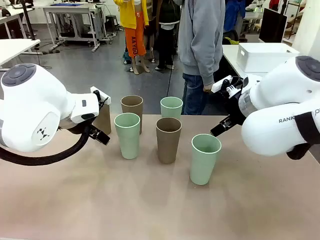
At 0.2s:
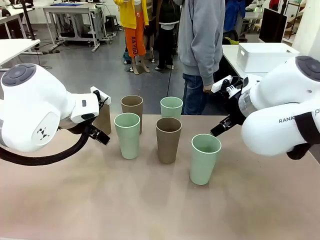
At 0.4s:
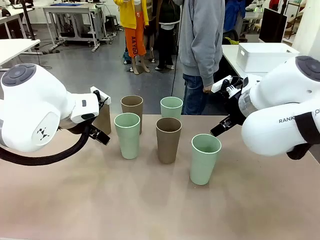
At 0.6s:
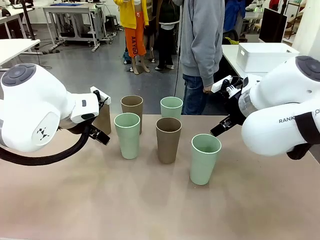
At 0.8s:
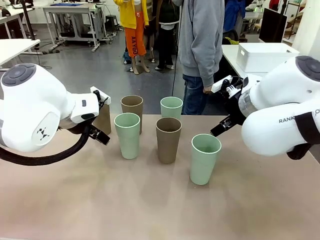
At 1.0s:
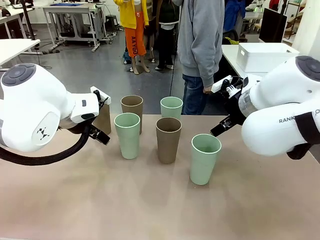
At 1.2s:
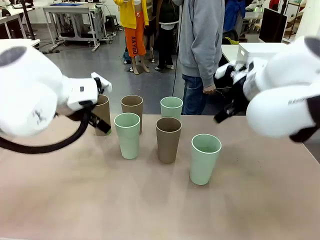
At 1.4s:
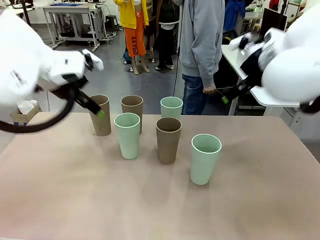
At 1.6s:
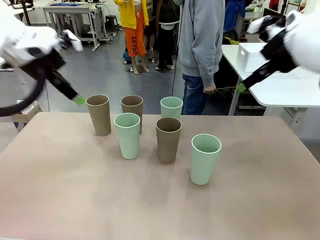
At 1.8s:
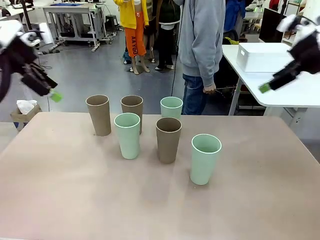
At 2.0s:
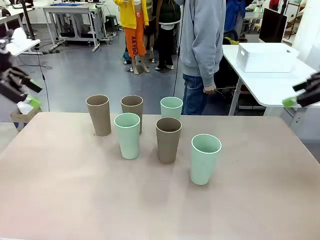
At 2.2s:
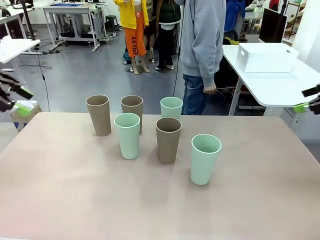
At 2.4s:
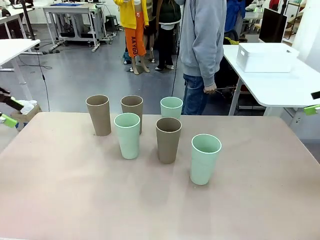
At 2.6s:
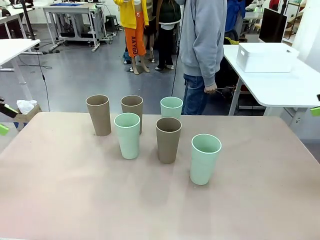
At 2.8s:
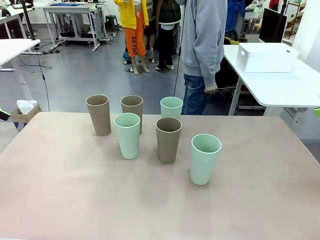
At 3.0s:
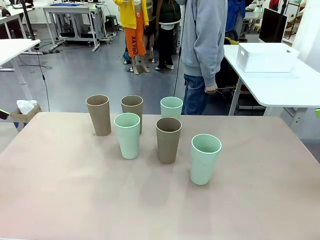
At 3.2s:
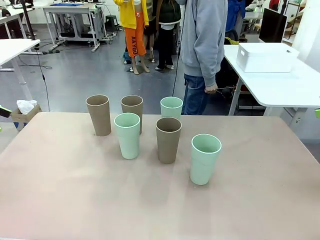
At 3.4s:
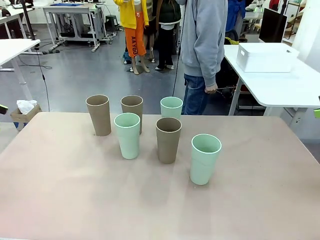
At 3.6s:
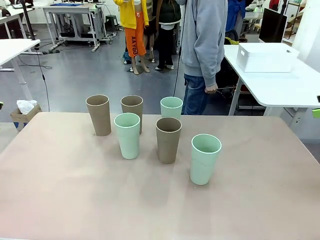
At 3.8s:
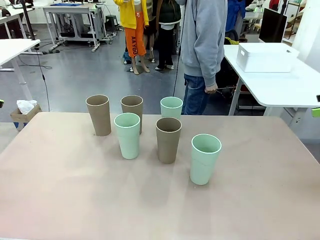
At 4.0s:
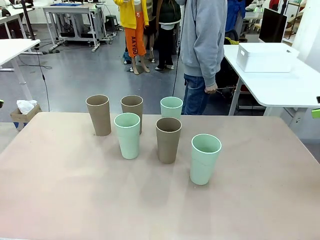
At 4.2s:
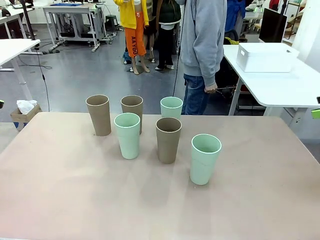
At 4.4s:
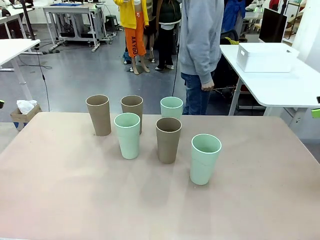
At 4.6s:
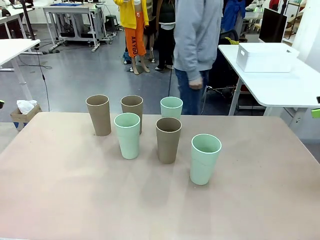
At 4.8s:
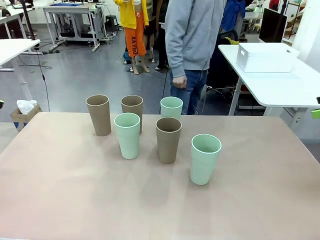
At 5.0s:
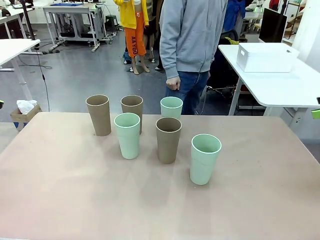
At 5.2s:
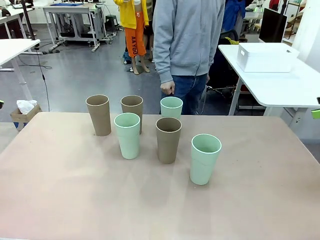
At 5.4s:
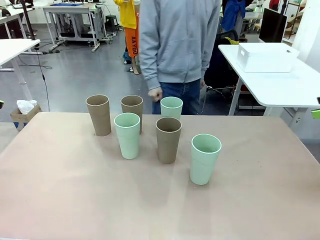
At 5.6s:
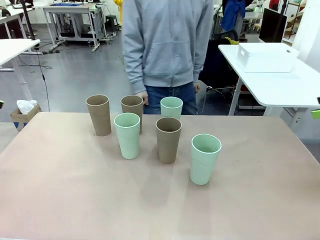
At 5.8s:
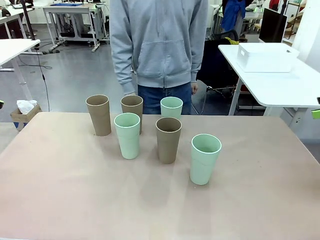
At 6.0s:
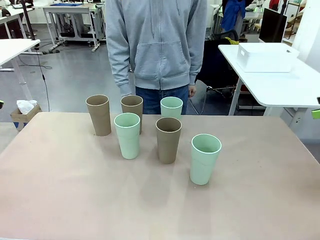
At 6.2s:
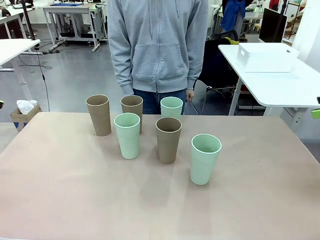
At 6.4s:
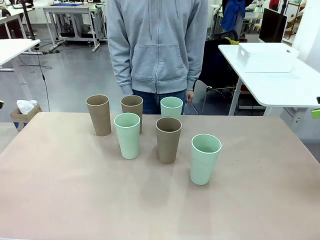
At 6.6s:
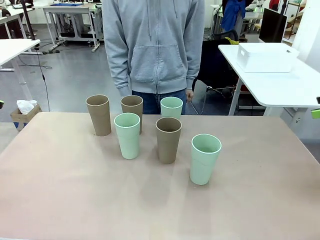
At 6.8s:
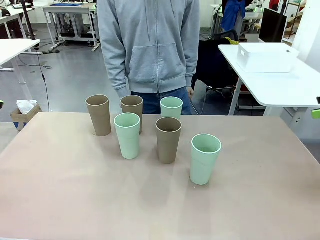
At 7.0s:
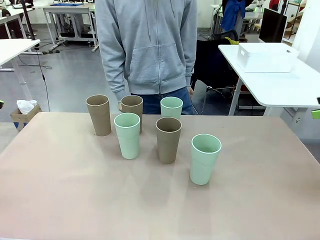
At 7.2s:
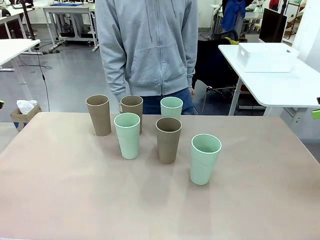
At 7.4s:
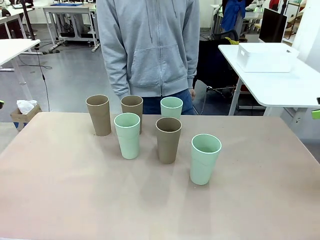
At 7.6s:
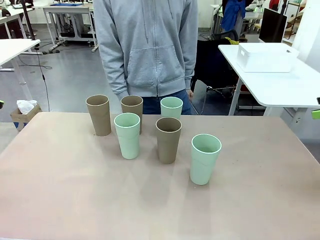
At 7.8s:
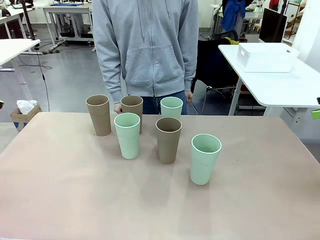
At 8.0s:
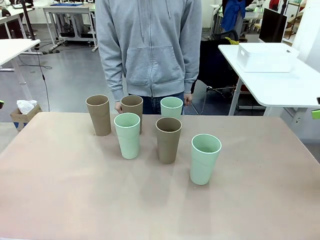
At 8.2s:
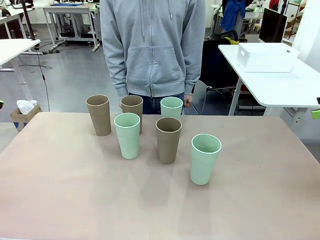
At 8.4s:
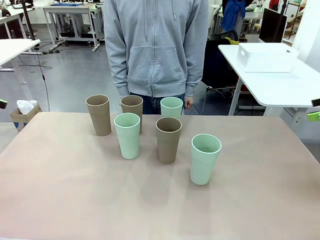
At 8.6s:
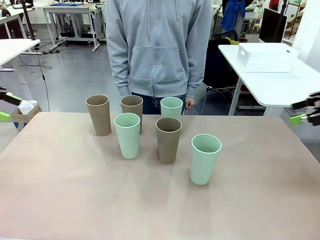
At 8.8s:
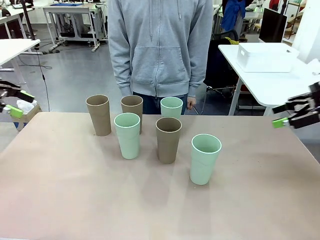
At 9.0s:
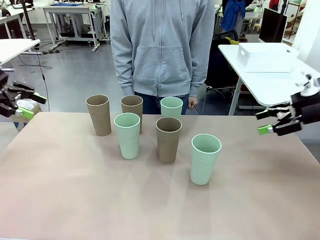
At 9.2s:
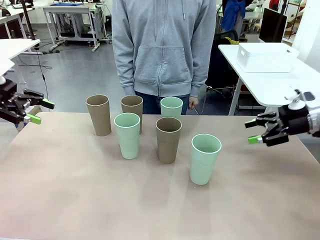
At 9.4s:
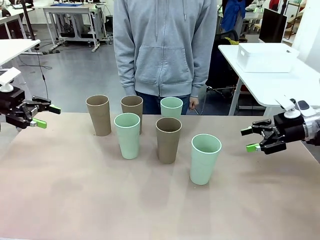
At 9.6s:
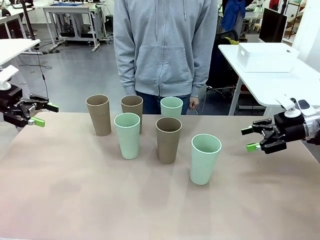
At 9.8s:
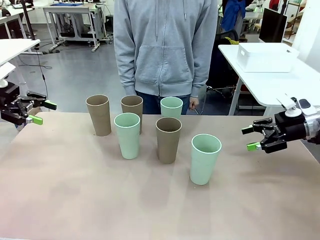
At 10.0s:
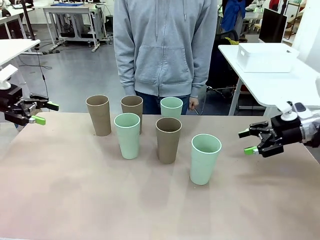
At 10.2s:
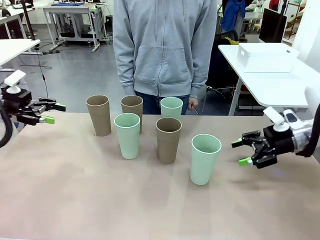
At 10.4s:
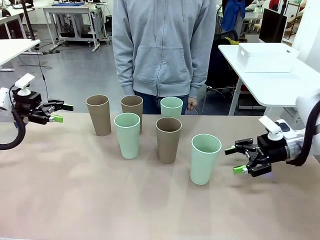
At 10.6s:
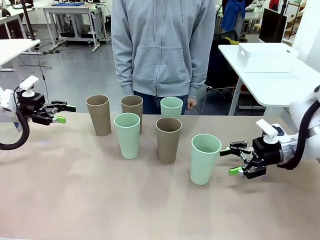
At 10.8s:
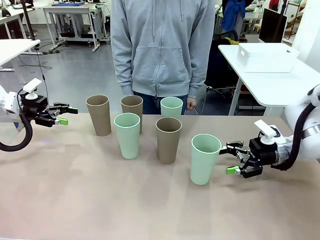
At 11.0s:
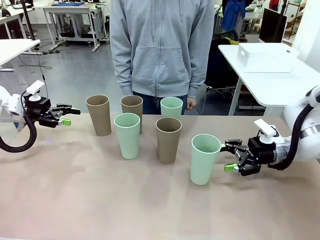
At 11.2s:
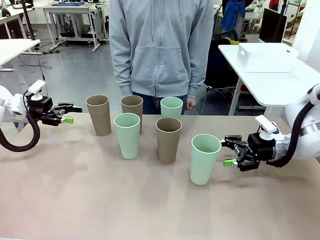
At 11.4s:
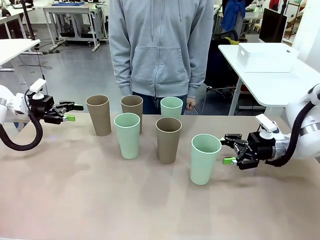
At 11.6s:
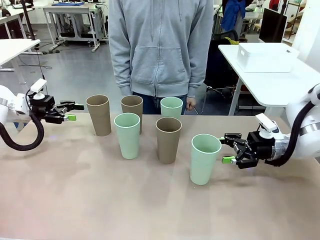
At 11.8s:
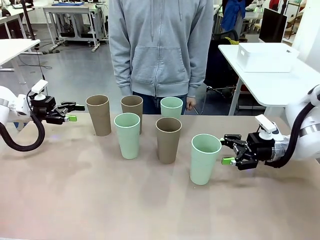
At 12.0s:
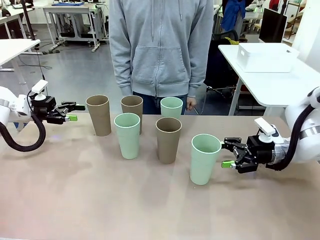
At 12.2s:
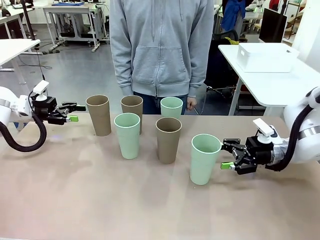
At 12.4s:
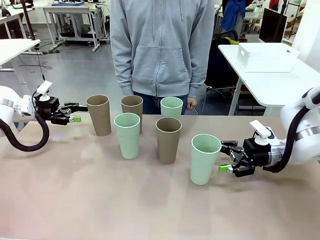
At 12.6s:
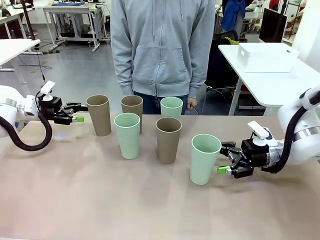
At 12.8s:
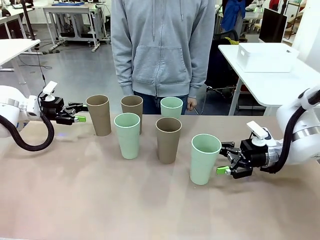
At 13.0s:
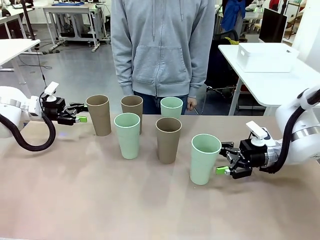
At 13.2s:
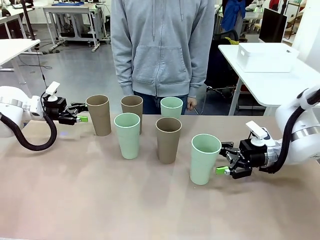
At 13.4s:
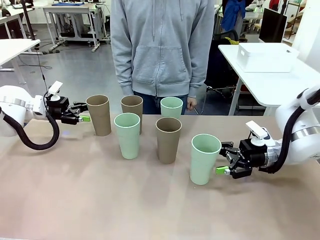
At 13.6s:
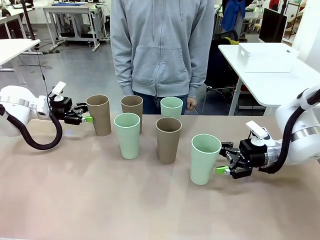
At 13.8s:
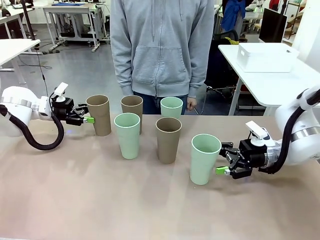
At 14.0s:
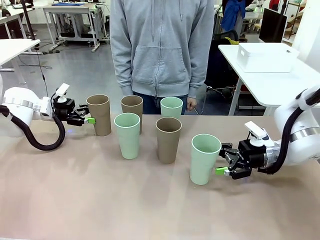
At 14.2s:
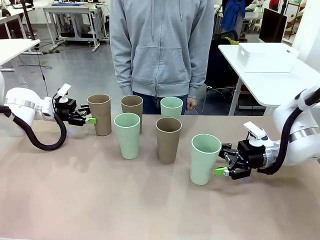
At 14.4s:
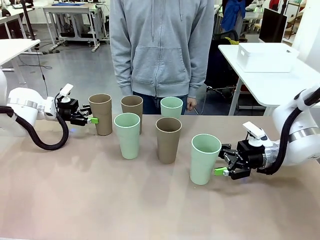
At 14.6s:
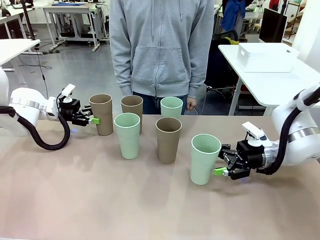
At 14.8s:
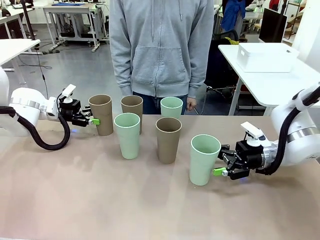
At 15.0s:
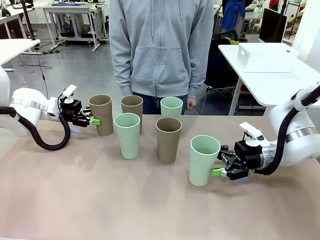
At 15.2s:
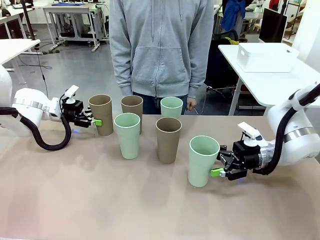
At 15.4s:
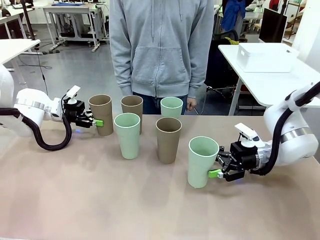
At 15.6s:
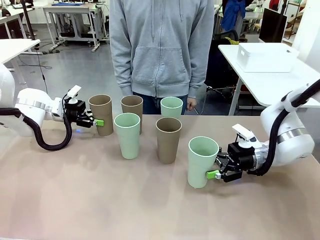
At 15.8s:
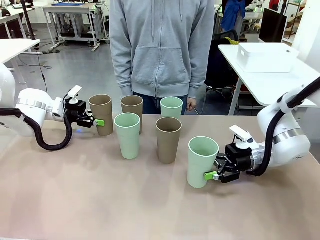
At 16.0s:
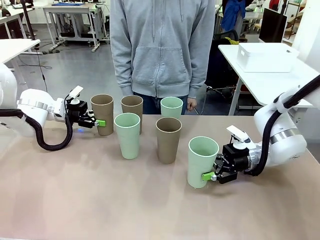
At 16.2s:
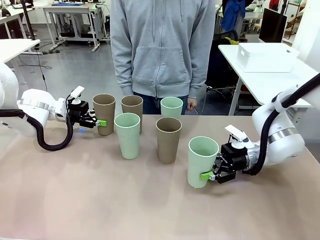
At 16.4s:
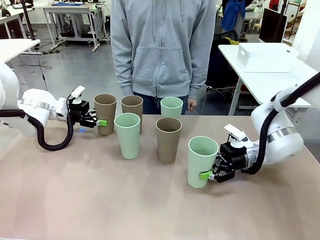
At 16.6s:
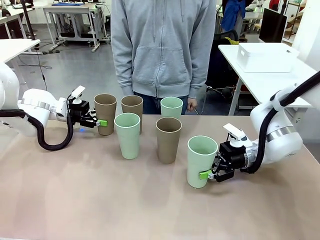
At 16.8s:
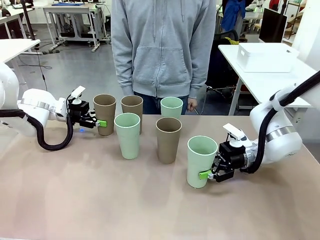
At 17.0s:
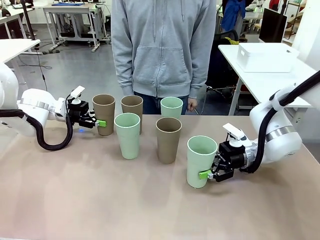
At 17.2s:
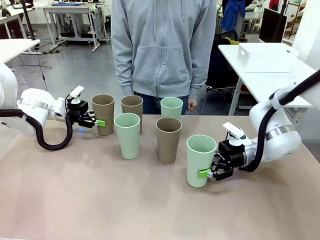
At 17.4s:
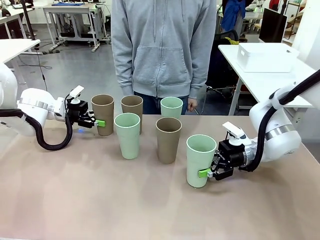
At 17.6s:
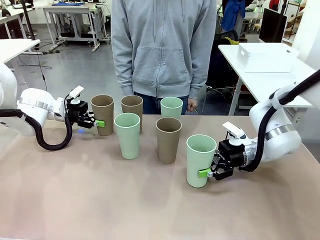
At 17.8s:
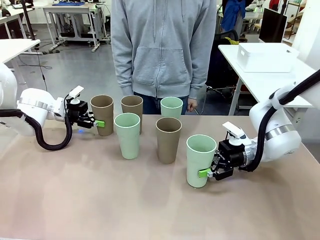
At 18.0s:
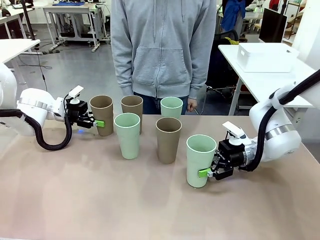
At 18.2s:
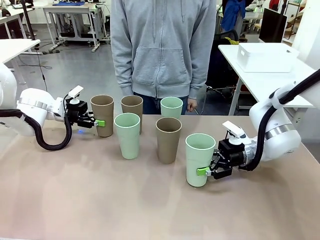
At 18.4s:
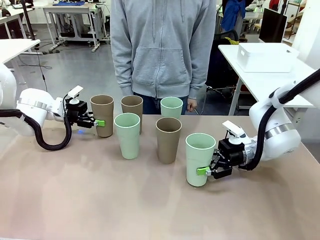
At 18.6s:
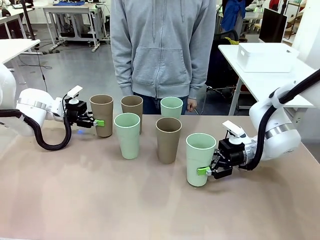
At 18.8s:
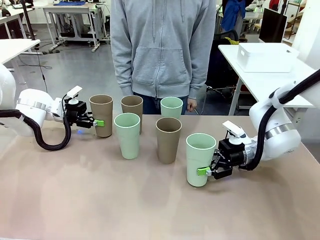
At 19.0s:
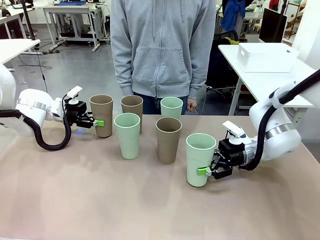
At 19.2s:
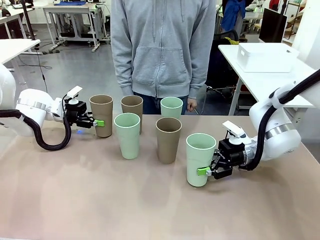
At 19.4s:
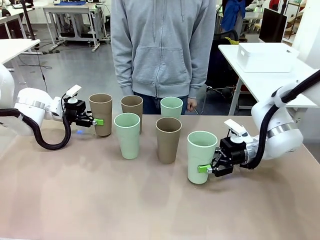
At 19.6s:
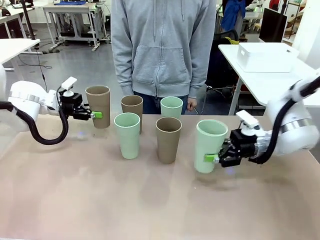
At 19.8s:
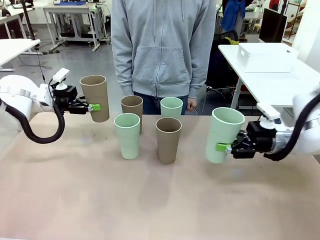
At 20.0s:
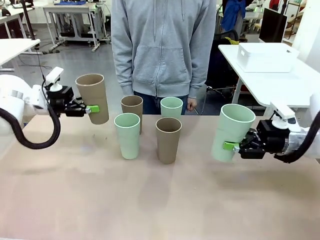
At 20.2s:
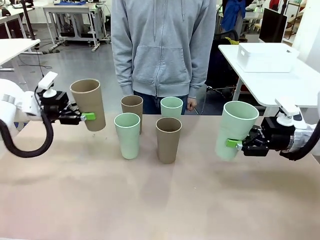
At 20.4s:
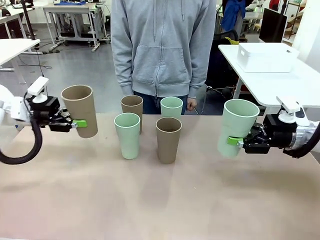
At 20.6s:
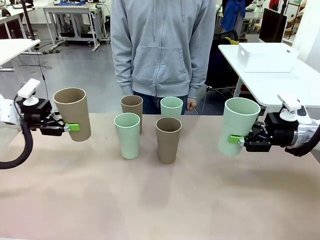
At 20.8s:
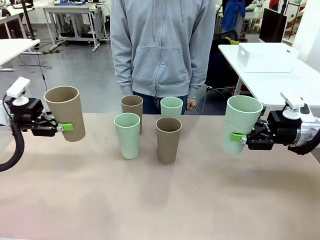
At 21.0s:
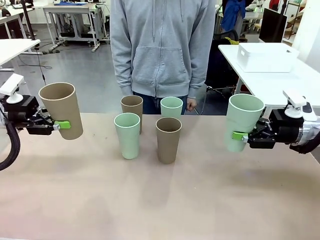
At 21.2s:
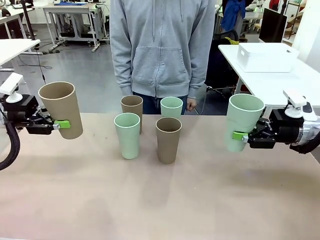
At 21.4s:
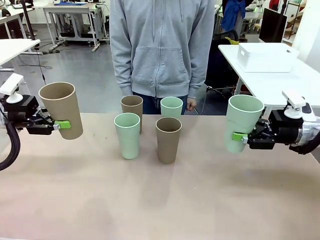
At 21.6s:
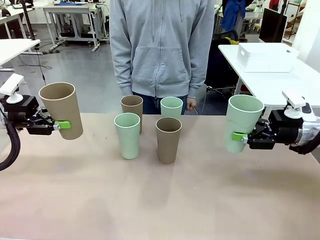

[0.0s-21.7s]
Task: Stack the cups and store them in the basket.
Robot: Pick up two Reusable plastic cups , one in each hand.
Person: Move from the Human Table to the front of the Robot Table. Stack two of the remaining cups on top of each cup held by the robot.
